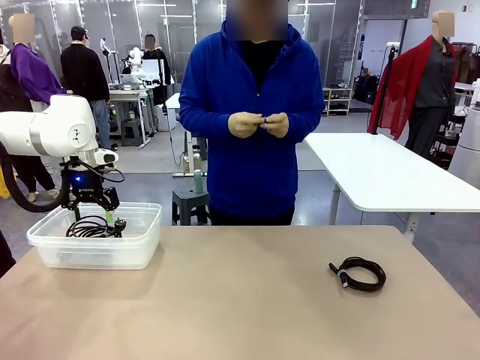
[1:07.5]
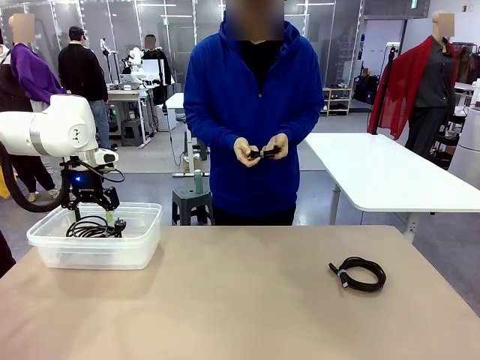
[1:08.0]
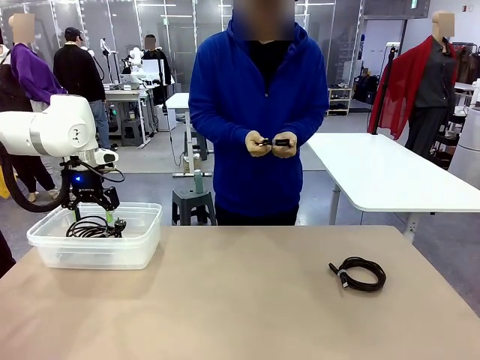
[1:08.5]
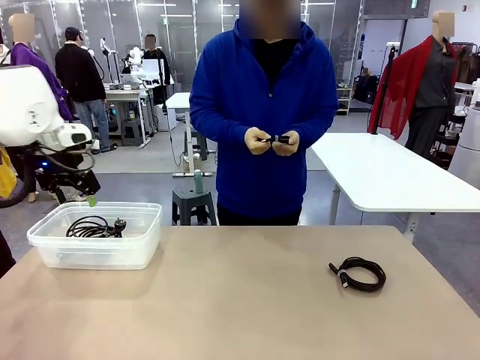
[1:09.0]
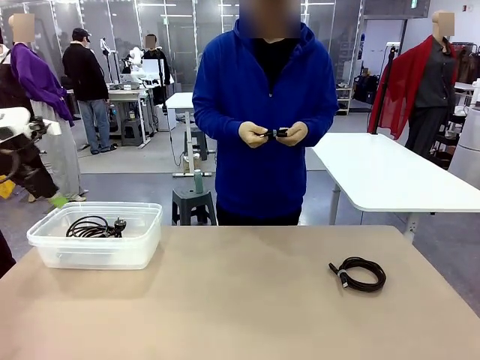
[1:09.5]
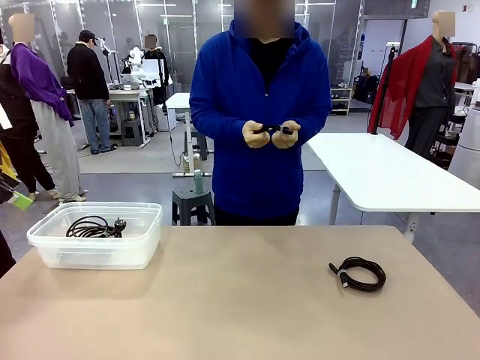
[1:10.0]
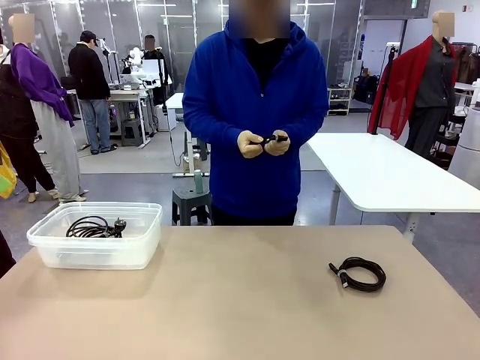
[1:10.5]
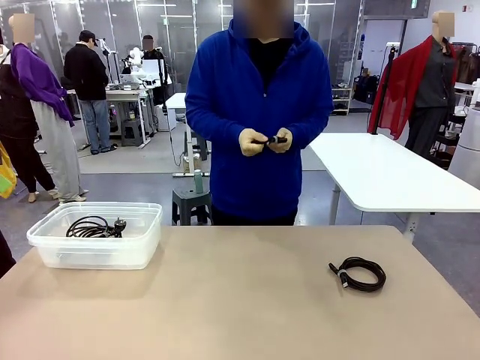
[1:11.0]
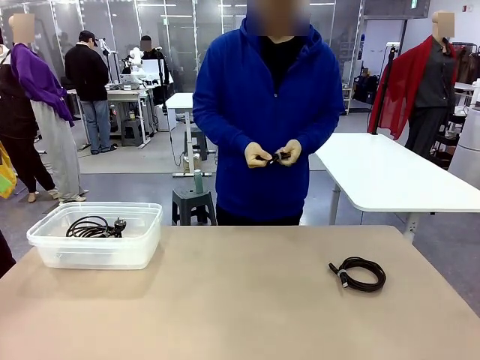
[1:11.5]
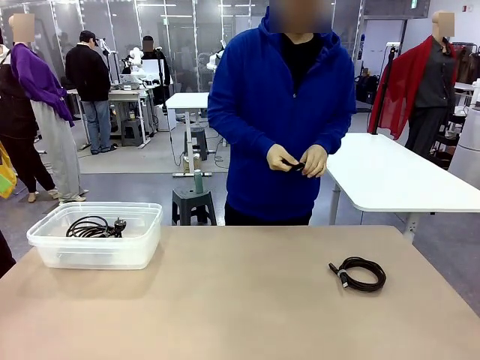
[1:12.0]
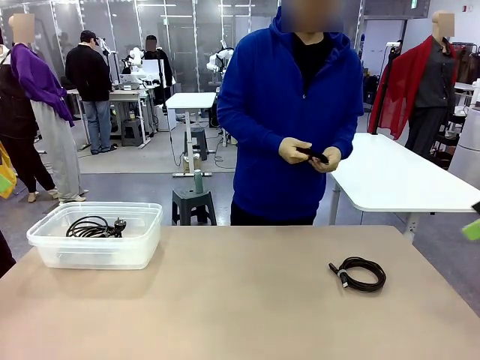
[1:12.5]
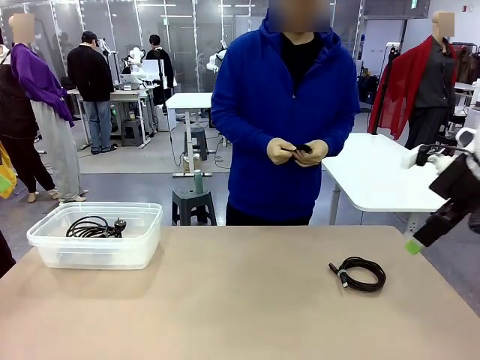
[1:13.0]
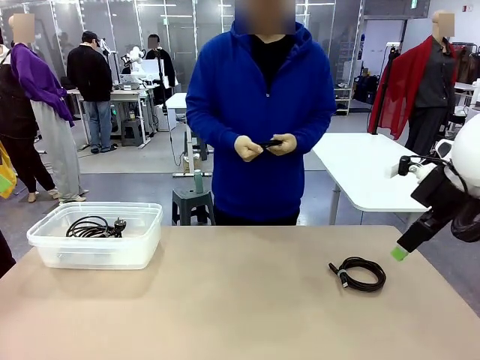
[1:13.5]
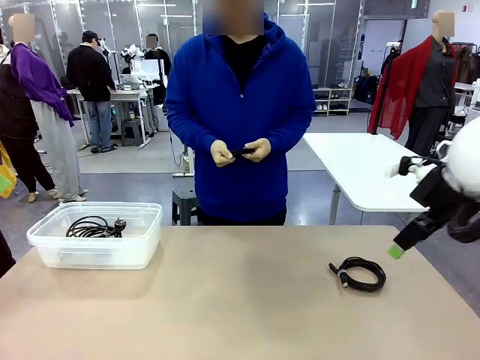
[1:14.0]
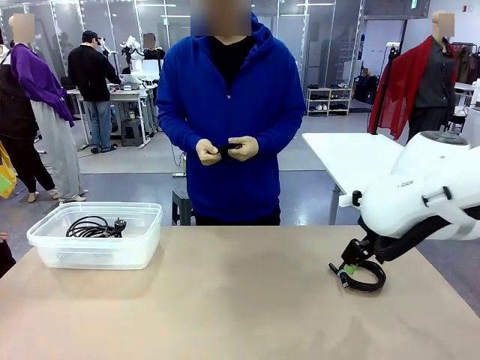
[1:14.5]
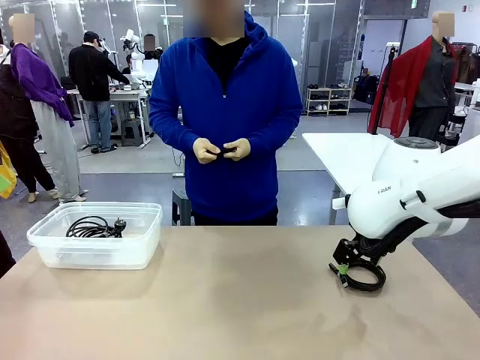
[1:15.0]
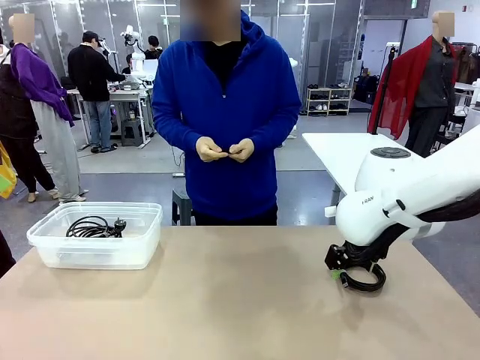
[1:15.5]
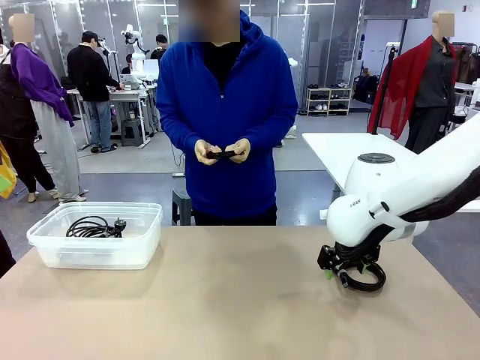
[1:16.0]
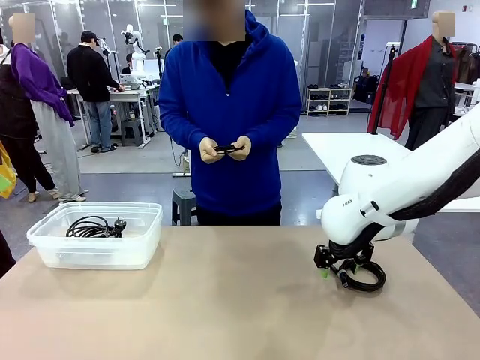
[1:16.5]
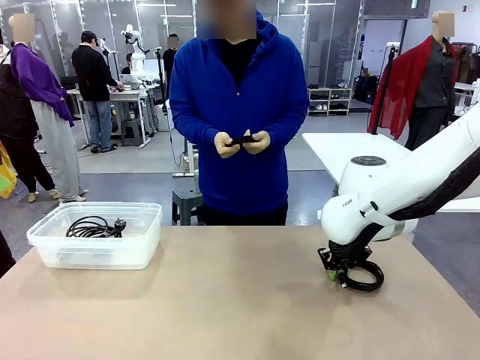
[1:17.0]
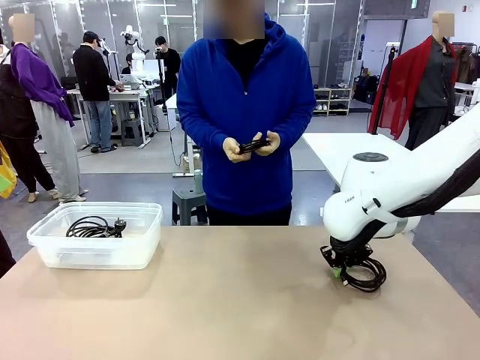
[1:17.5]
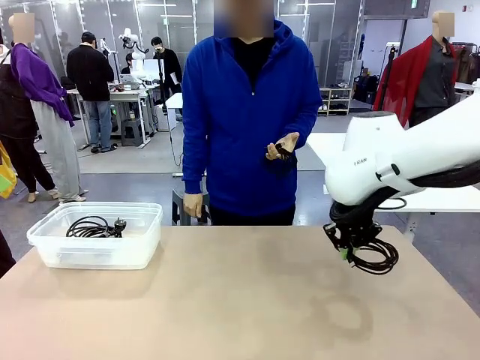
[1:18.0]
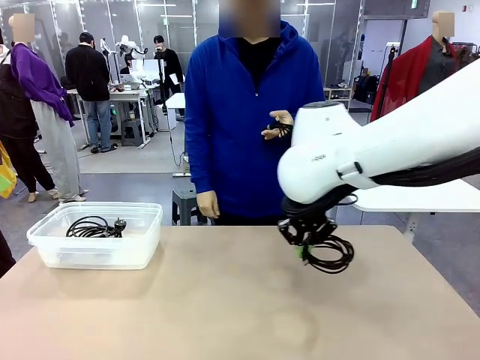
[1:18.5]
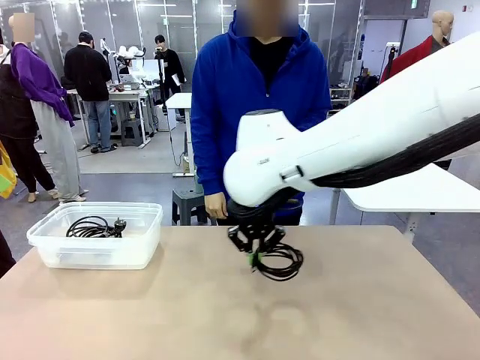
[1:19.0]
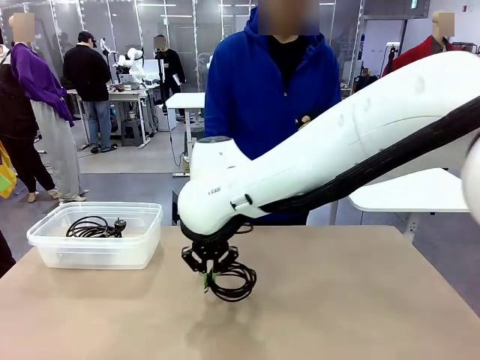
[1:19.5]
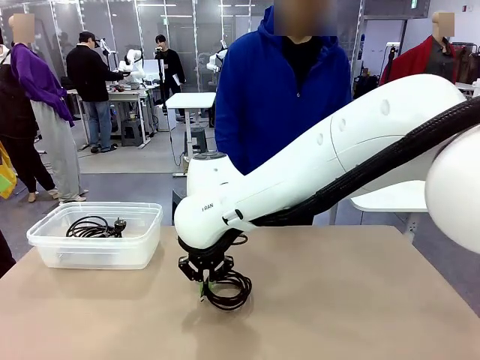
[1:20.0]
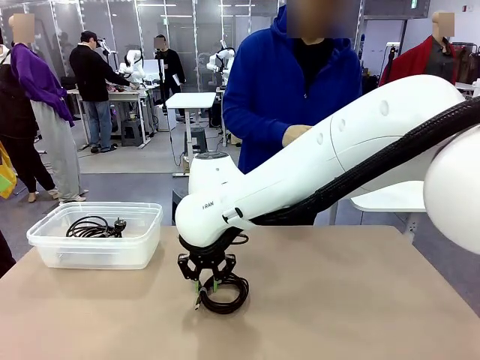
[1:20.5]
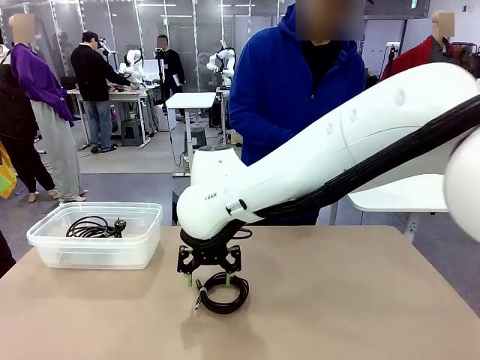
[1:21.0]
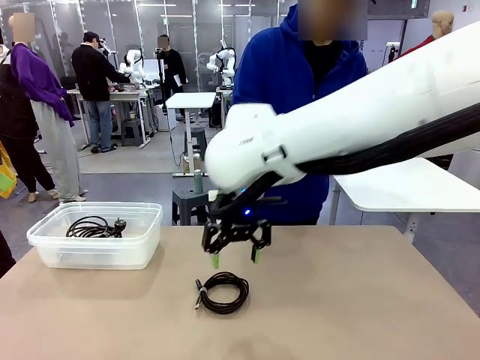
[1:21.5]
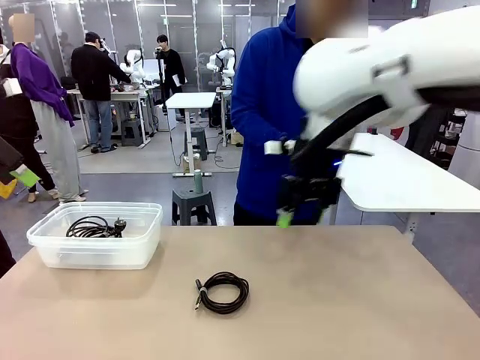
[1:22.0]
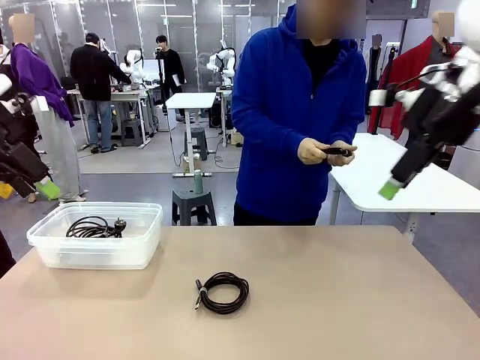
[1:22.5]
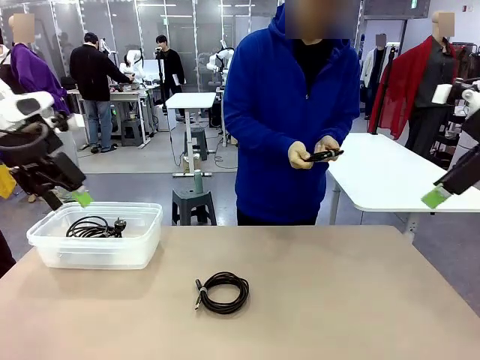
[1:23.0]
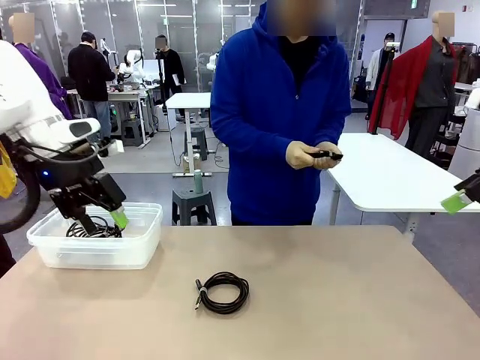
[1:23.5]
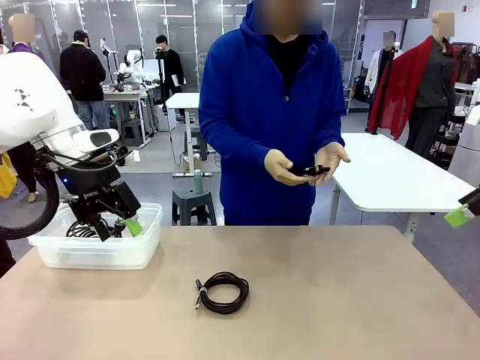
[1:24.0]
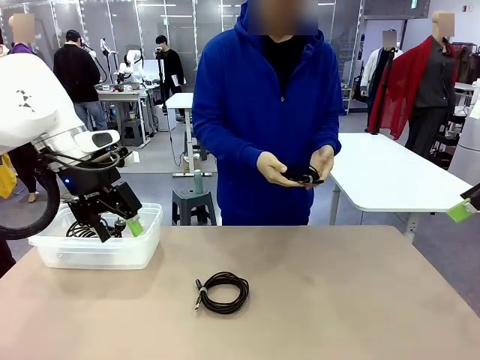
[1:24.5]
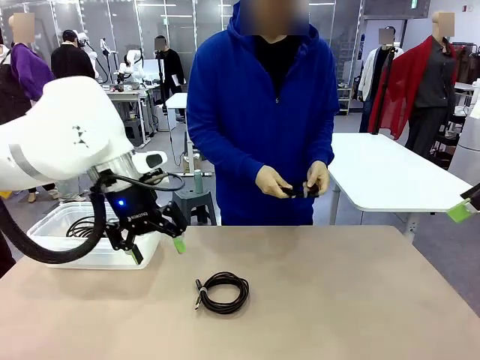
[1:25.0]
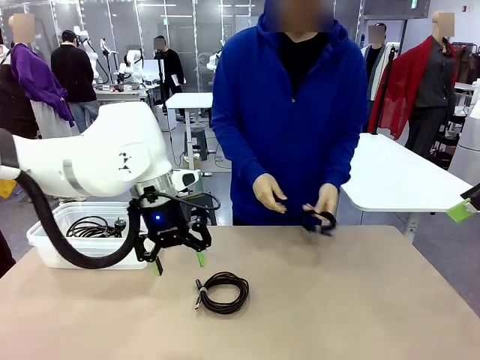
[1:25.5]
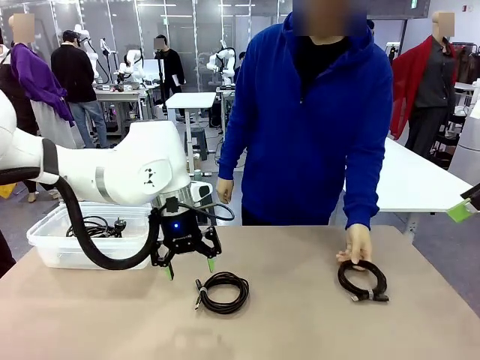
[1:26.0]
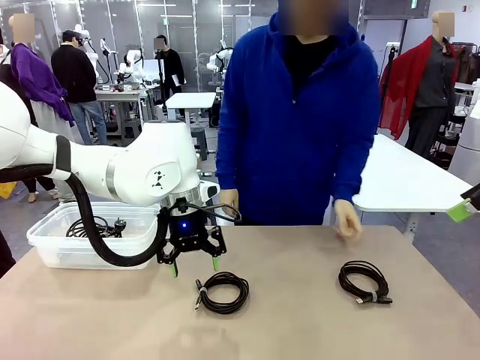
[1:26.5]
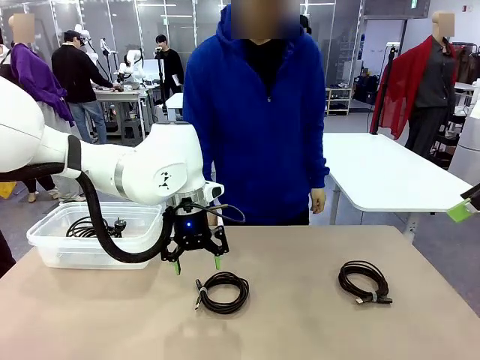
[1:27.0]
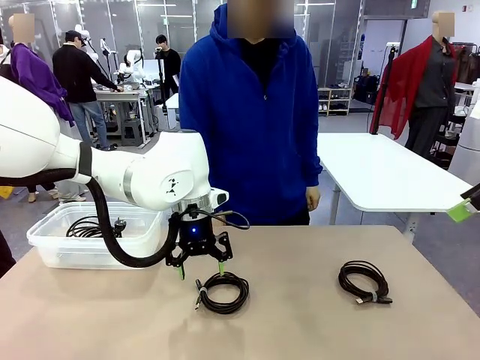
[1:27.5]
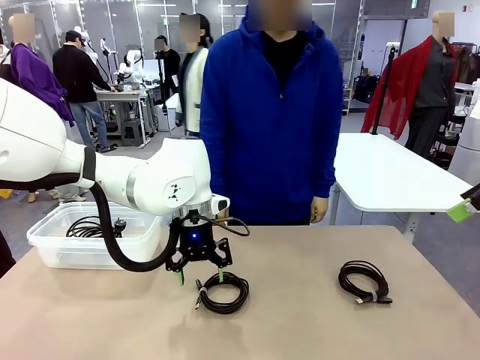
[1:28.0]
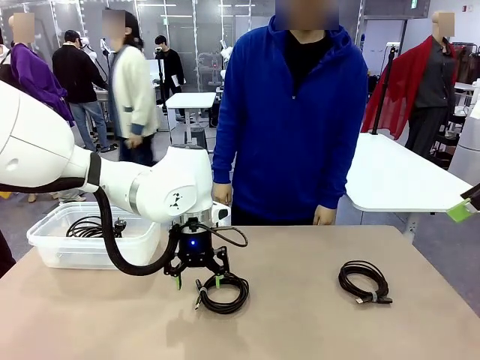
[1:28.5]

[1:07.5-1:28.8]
Task: Organize and store the cables.
Robot: Place the USB Extension Cable into the Organizing box.

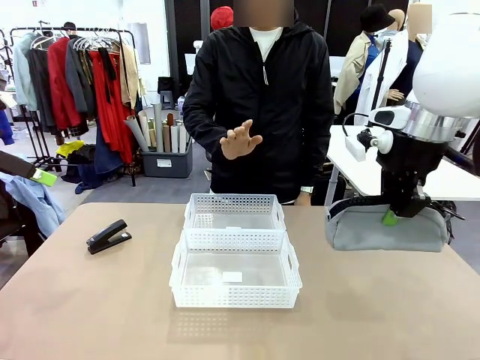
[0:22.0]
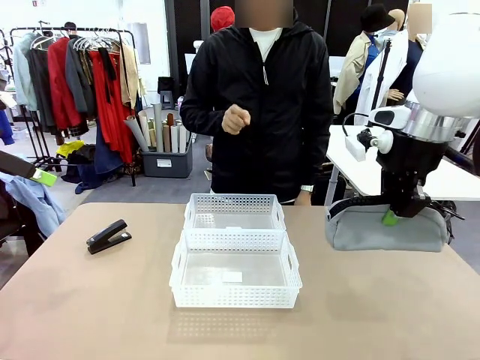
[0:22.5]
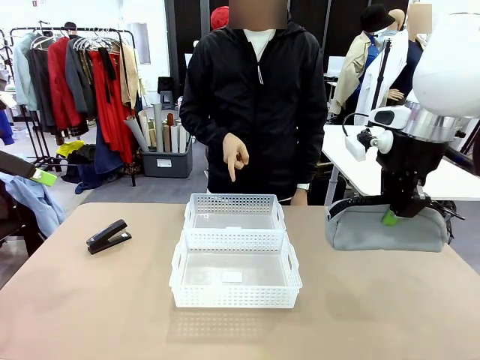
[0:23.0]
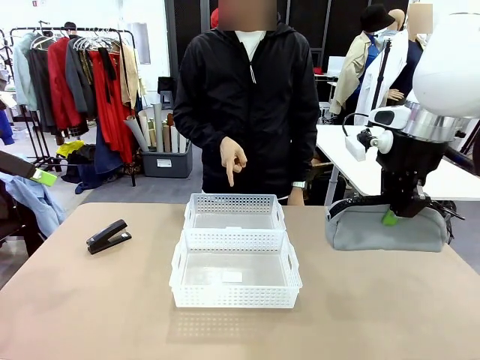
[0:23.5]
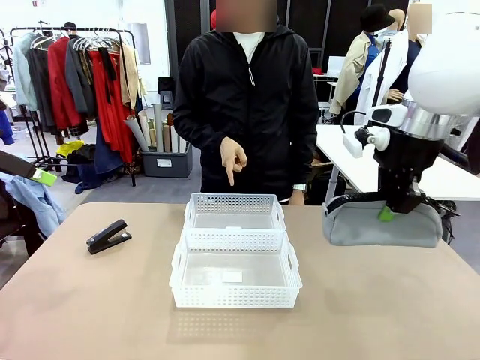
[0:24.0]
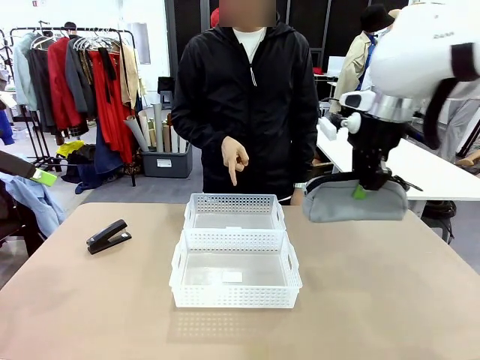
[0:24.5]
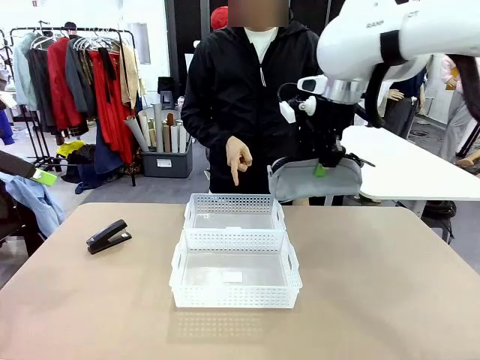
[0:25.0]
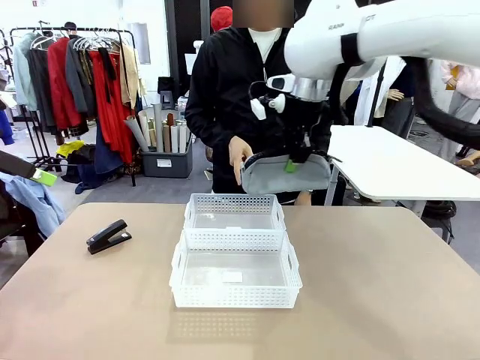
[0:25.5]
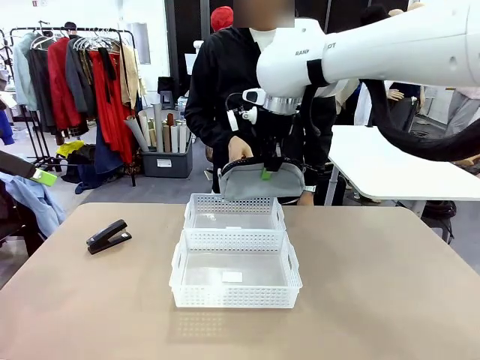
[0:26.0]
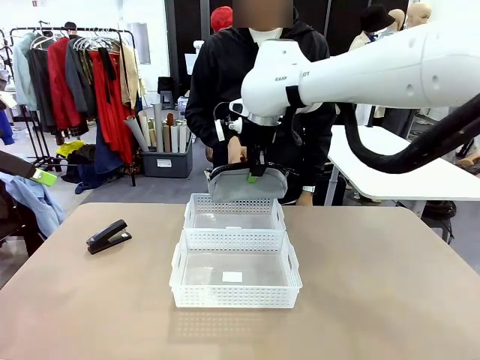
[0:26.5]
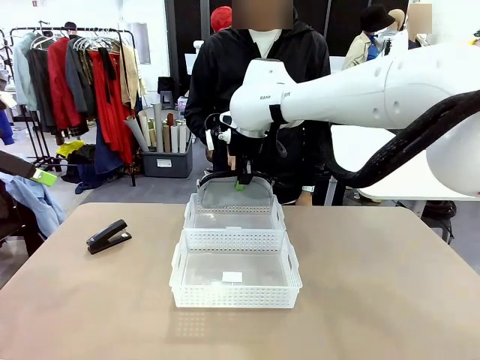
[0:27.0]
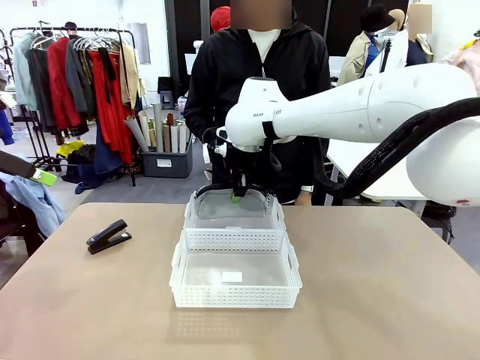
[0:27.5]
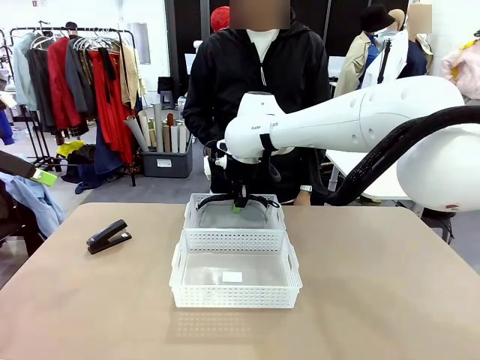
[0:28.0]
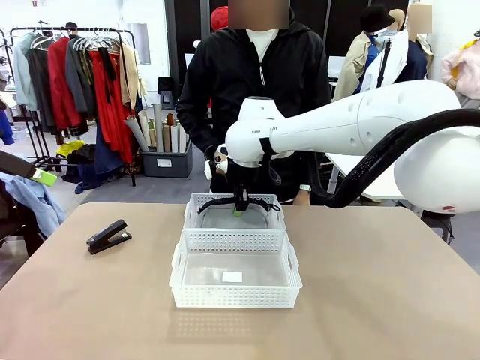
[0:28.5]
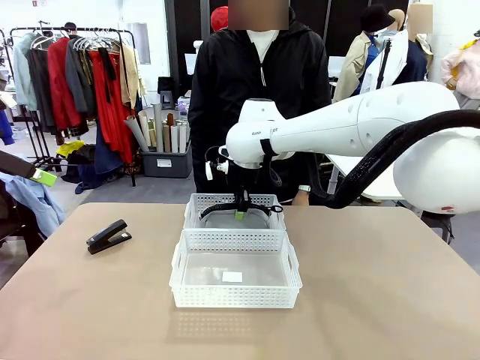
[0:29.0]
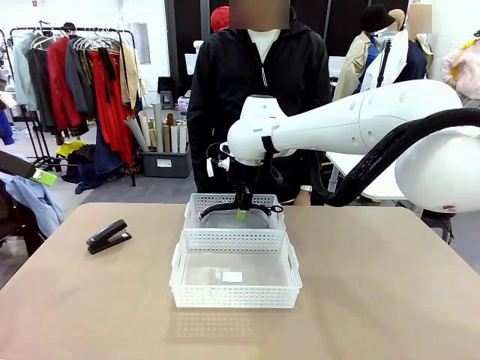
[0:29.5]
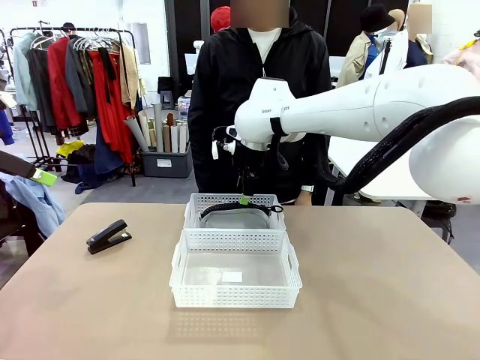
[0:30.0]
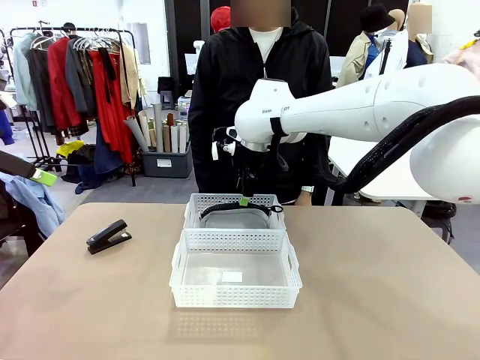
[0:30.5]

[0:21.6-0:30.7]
Task: Distribute items into two baskets.
Robot: Place the picked Pencil pouch into the Organizing basket as instructed by the person.
Person: Instructs the robot to place the pencil case into the opposite basket. Points to the stapler.
